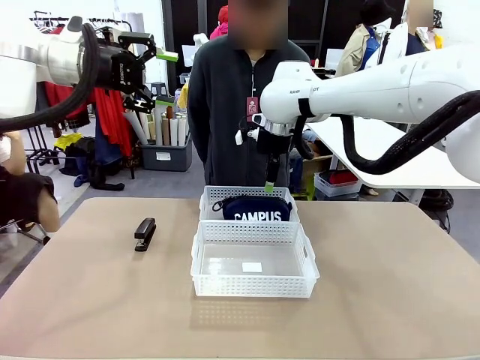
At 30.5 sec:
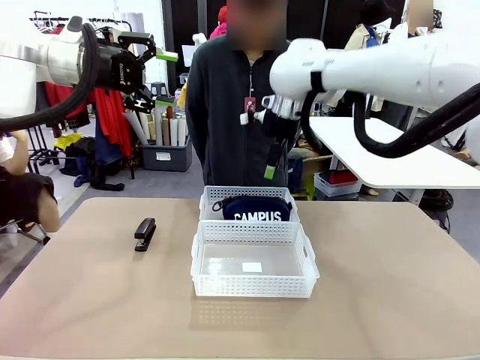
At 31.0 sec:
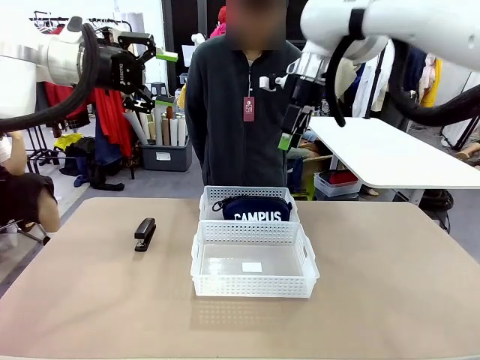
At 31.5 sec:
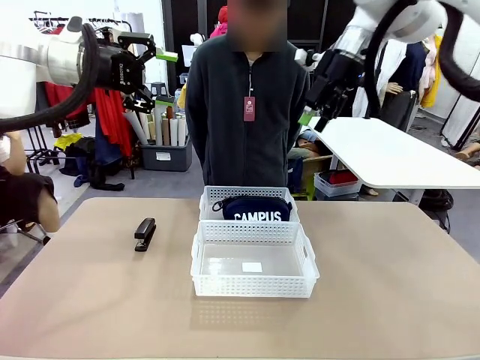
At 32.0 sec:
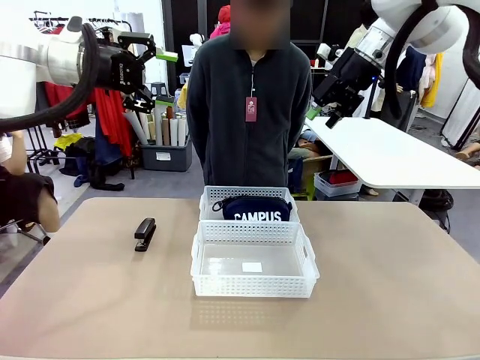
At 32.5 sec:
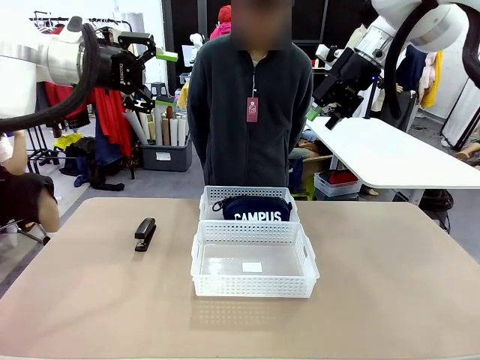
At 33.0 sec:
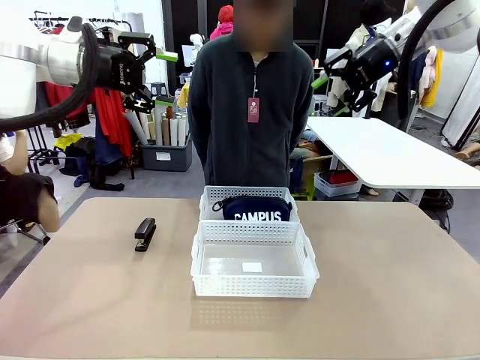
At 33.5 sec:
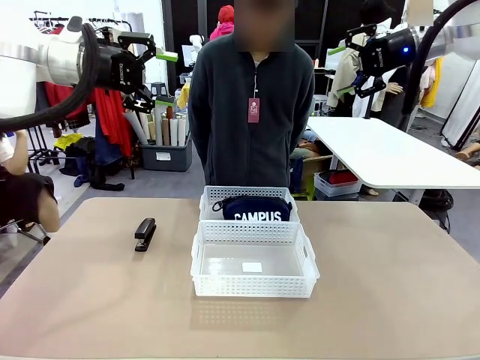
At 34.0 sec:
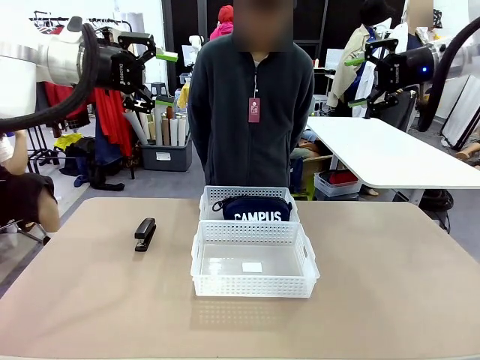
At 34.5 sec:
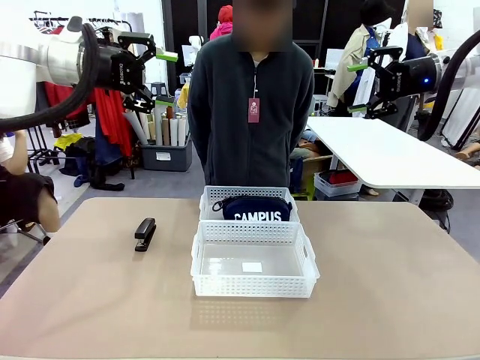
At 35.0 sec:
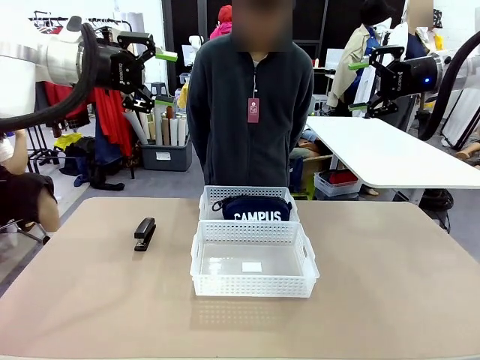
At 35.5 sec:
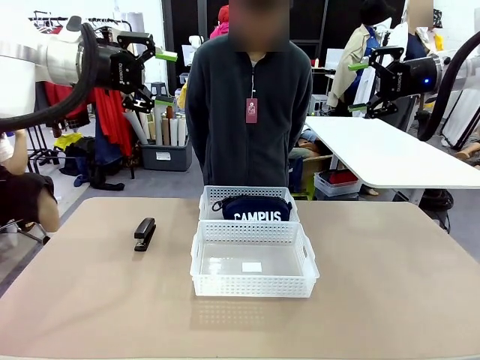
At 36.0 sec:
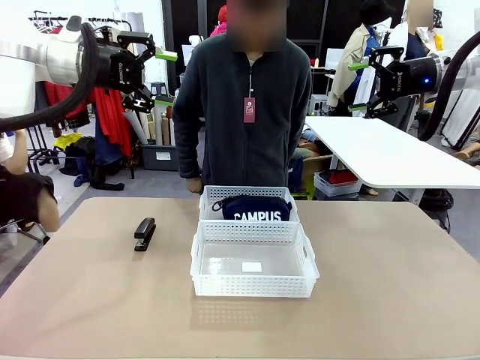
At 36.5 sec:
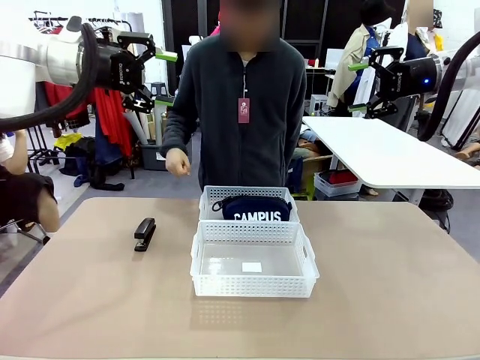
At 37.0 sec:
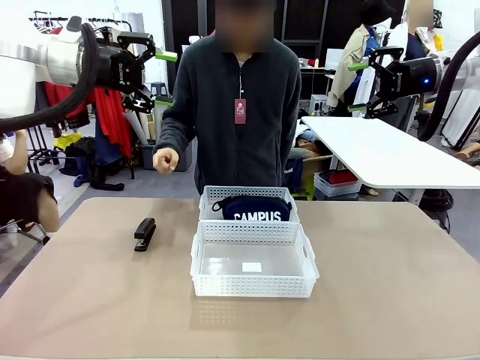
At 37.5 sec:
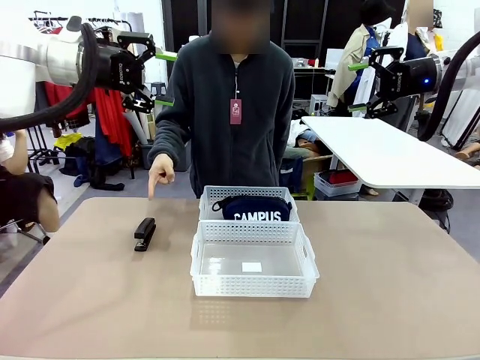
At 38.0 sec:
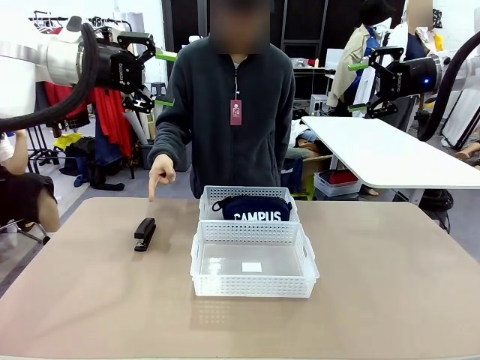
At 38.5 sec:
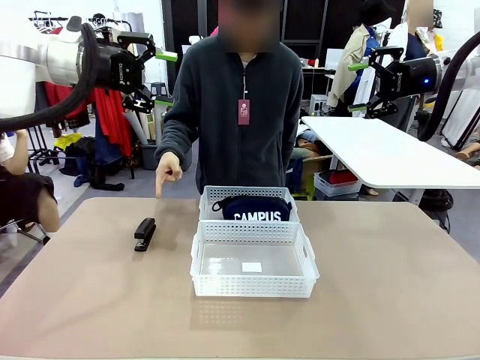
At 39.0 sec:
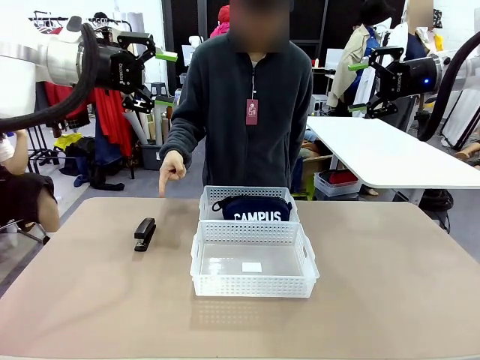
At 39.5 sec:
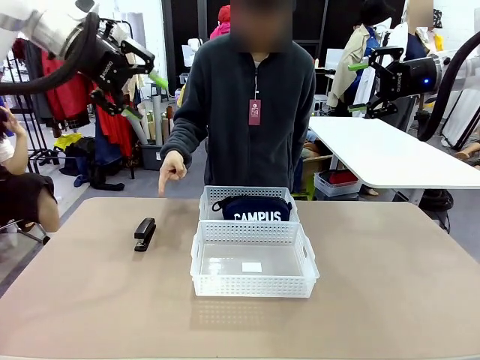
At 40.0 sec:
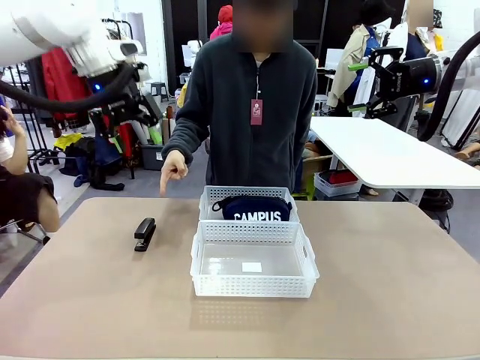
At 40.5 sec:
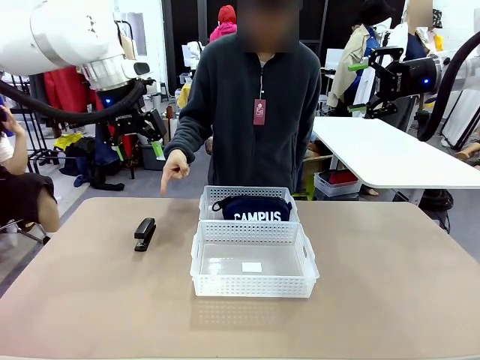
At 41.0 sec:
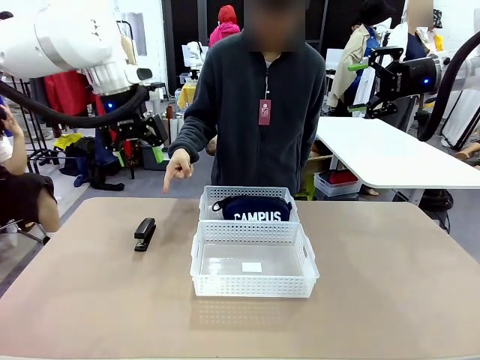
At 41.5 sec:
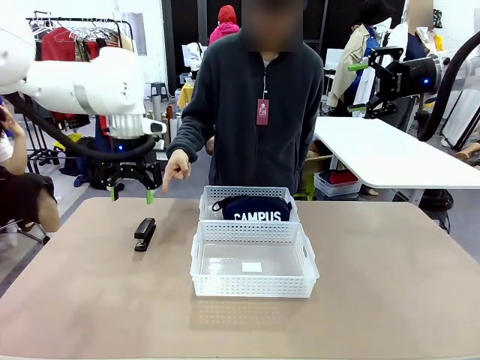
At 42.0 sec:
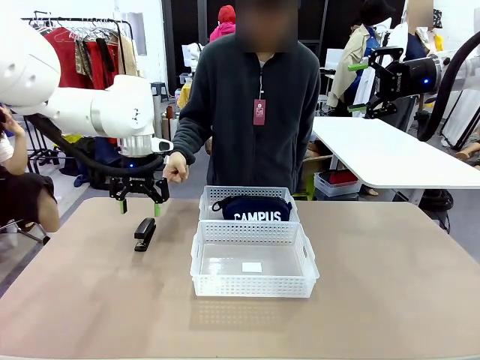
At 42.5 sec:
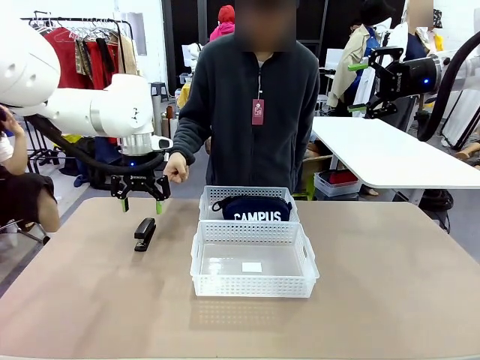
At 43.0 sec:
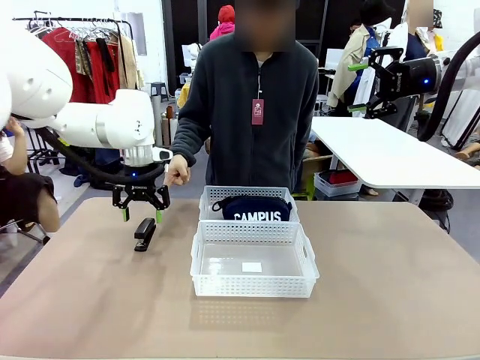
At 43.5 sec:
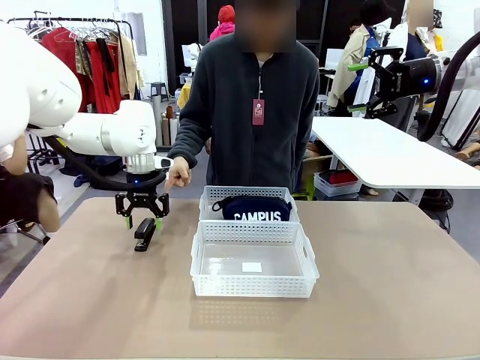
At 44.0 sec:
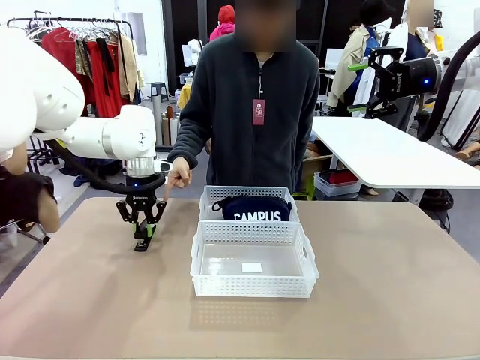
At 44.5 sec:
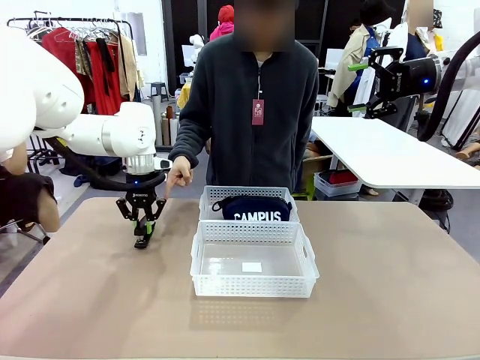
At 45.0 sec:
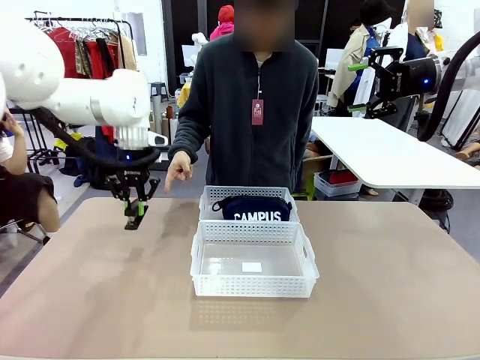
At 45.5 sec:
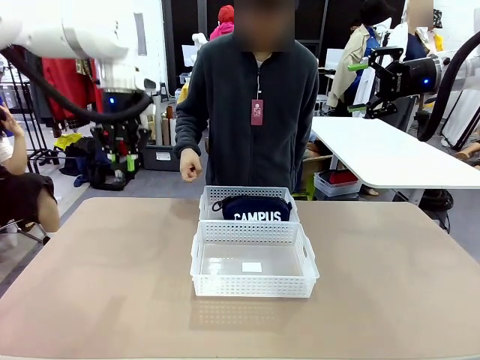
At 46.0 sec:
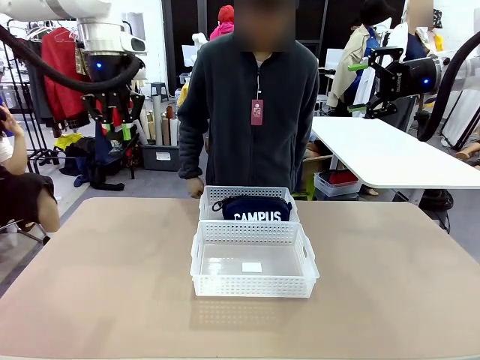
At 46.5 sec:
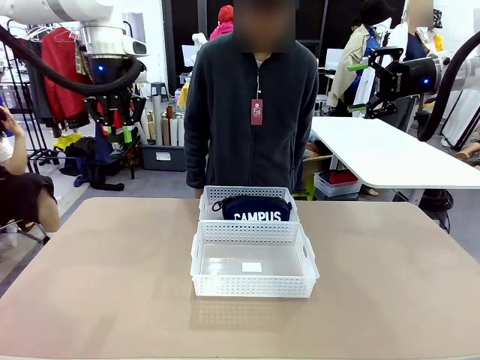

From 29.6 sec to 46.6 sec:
Task: Distribute items into two baskets.
Robot: Pick up the Stapler that the person points to.
Person: Points to the stapler.
